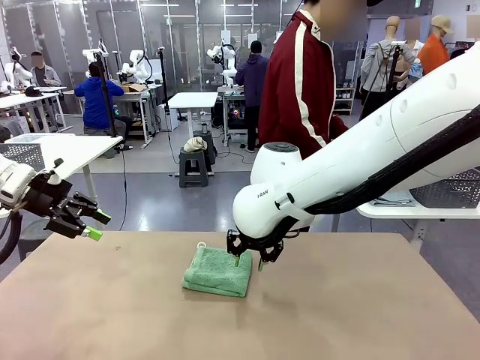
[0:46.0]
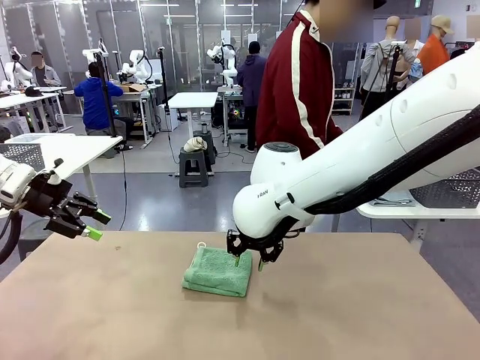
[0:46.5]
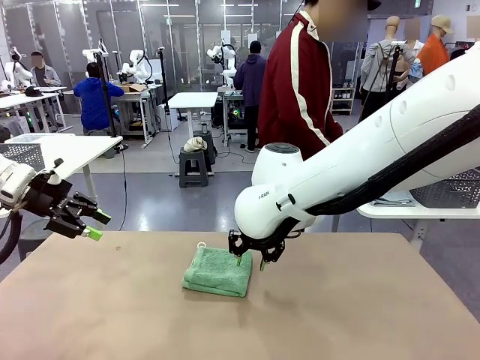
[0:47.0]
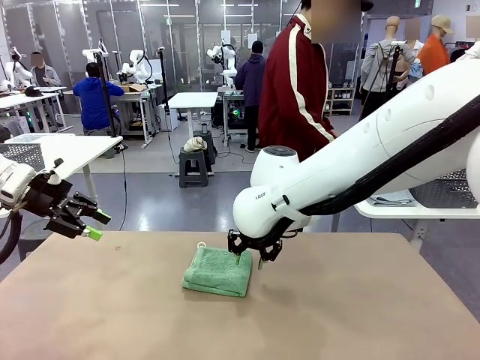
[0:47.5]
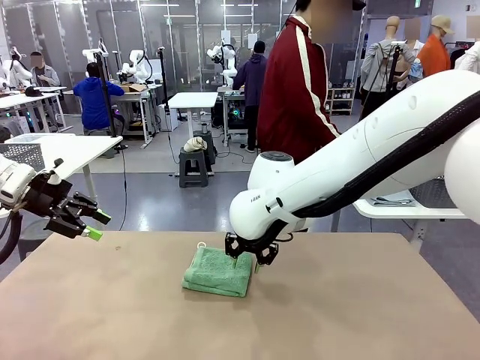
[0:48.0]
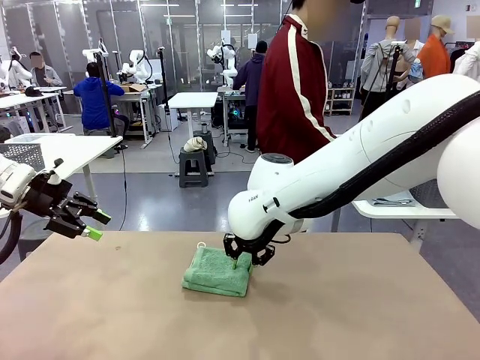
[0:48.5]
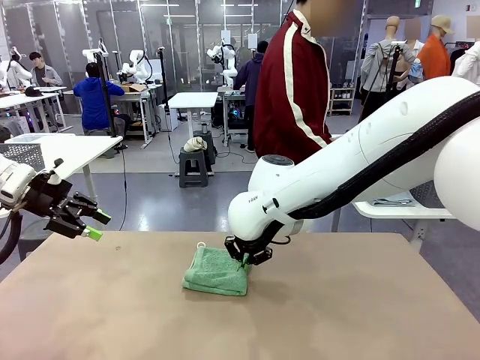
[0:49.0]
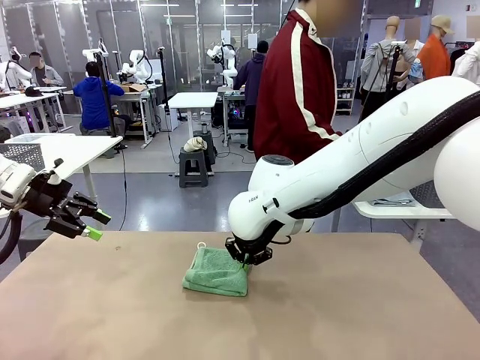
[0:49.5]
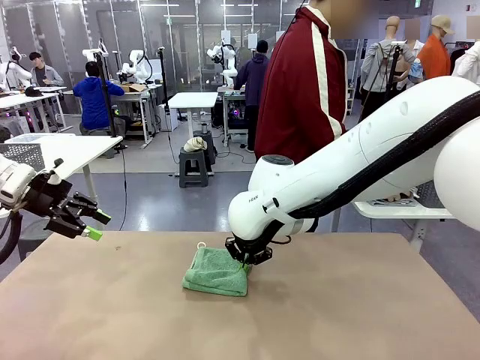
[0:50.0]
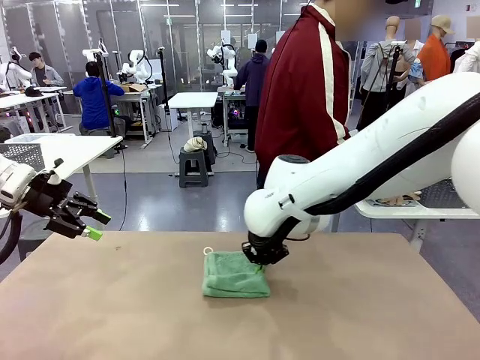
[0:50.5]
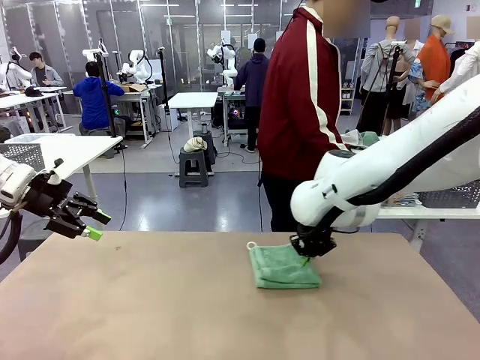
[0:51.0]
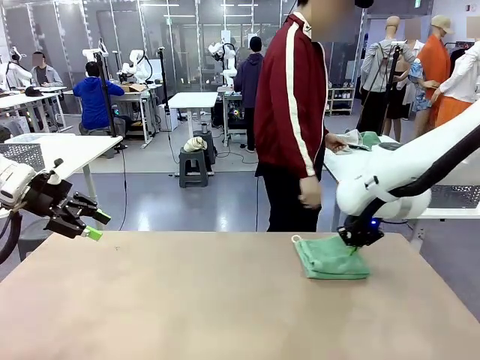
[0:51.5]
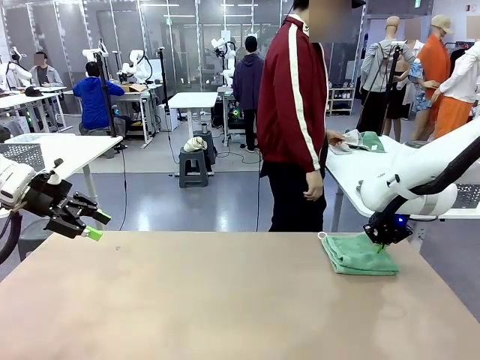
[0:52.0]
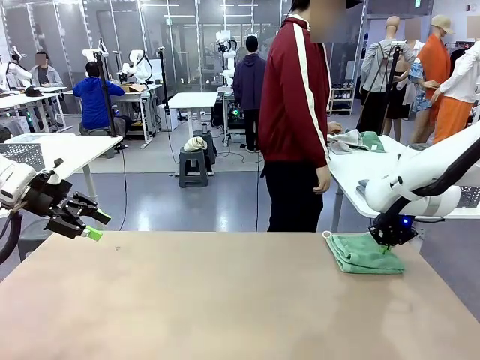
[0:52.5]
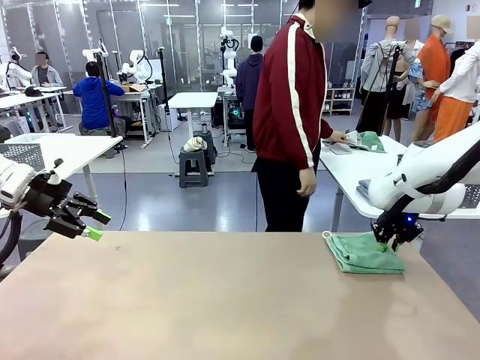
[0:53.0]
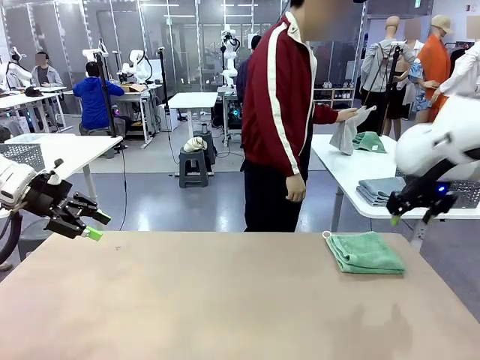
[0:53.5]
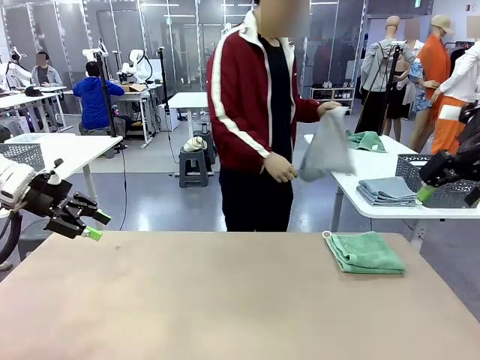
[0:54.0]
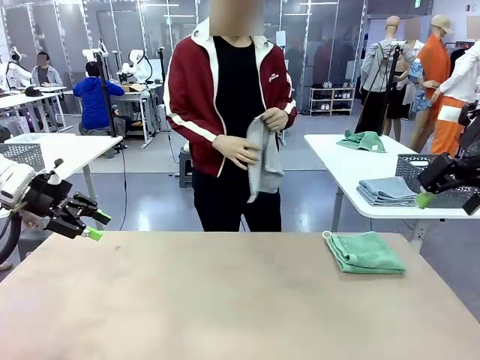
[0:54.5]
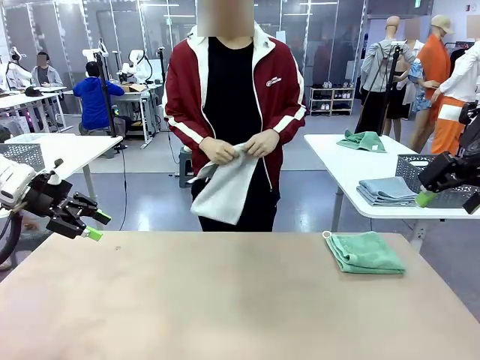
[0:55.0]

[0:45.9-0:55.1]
Task: Fold the towels and place them in the basket.
Robot: Place the folded Towel with hook on the right side of the table.

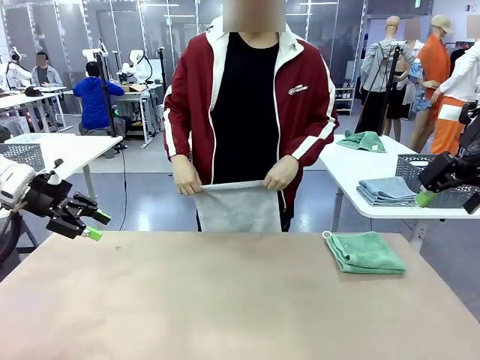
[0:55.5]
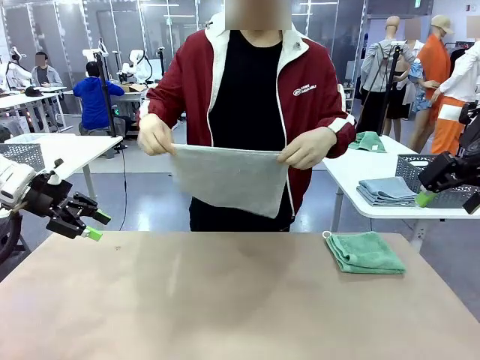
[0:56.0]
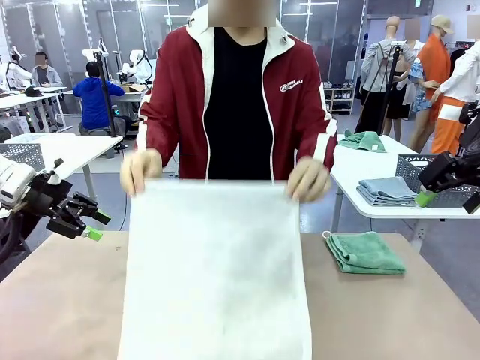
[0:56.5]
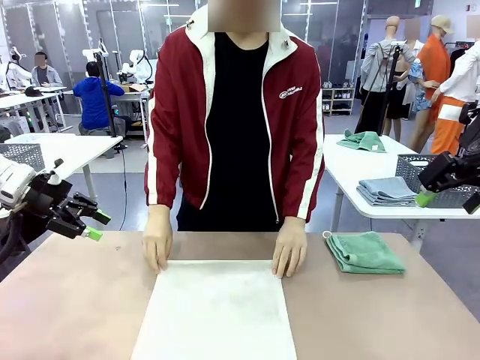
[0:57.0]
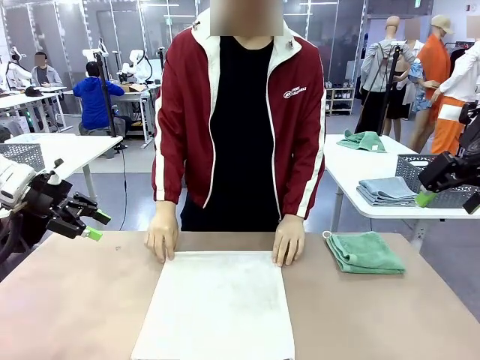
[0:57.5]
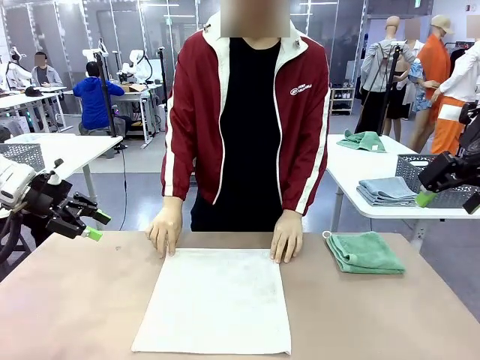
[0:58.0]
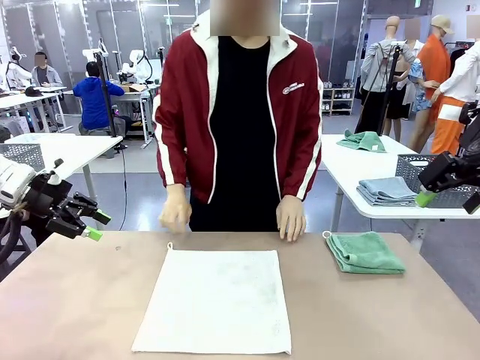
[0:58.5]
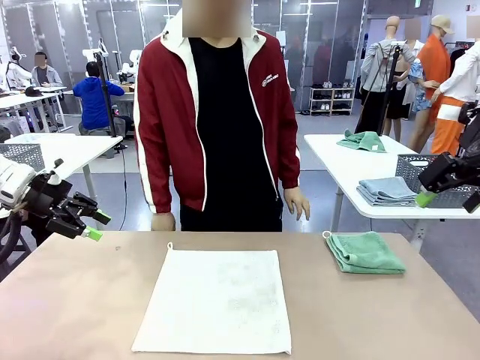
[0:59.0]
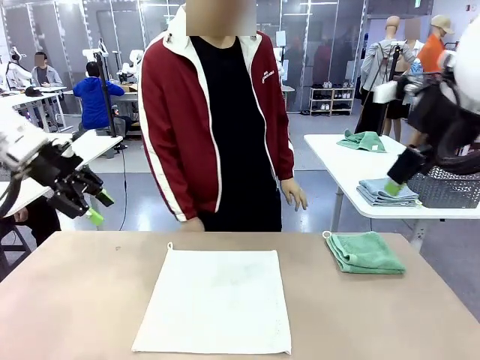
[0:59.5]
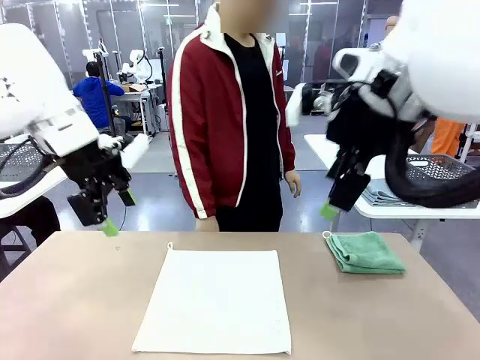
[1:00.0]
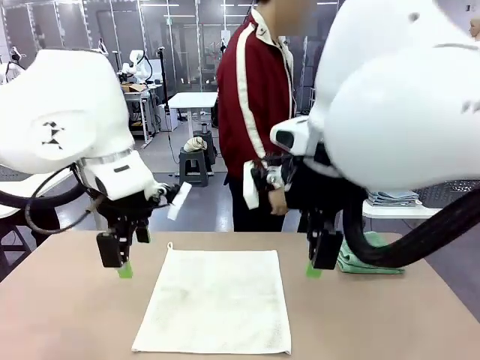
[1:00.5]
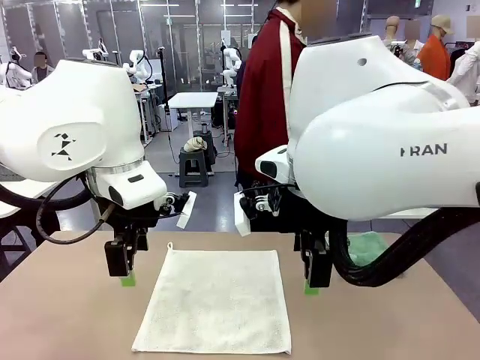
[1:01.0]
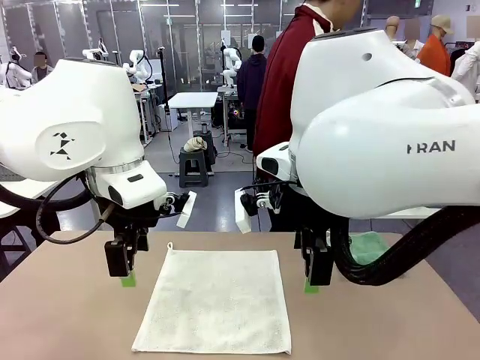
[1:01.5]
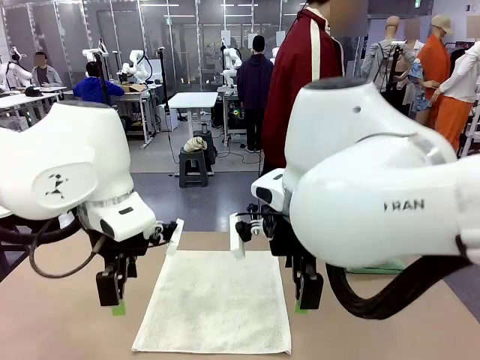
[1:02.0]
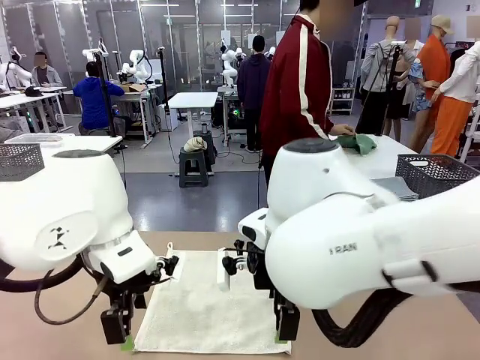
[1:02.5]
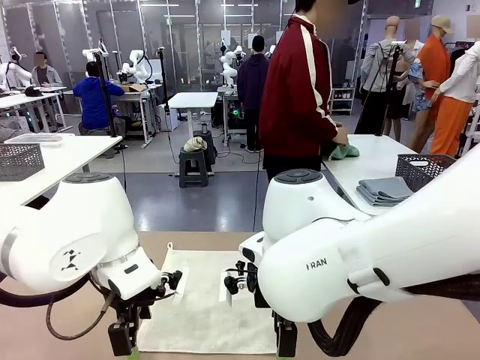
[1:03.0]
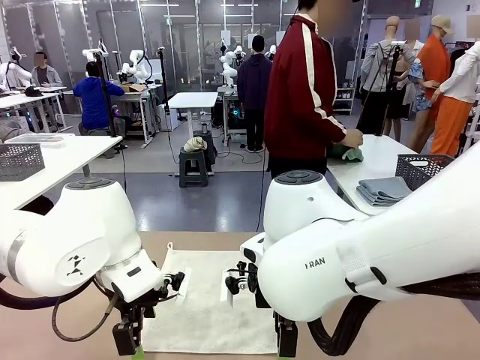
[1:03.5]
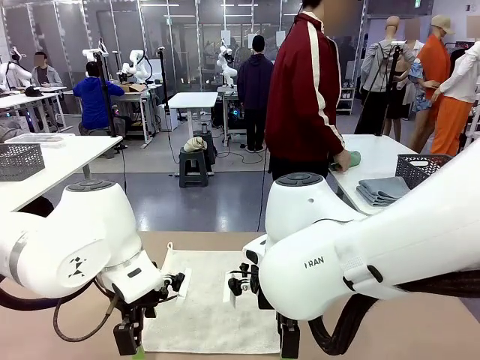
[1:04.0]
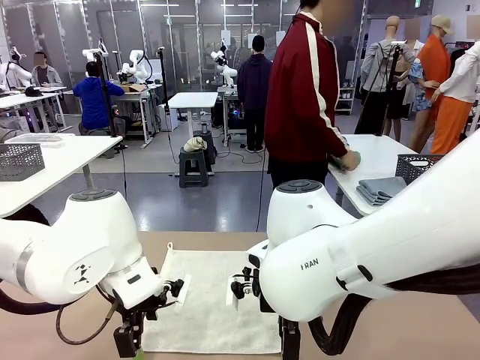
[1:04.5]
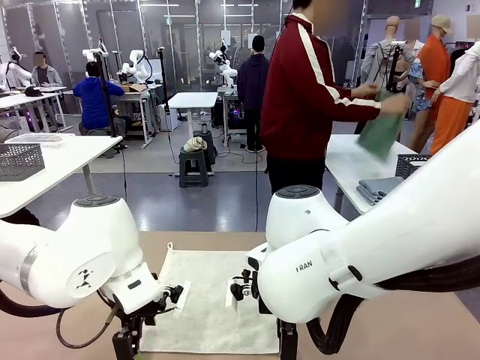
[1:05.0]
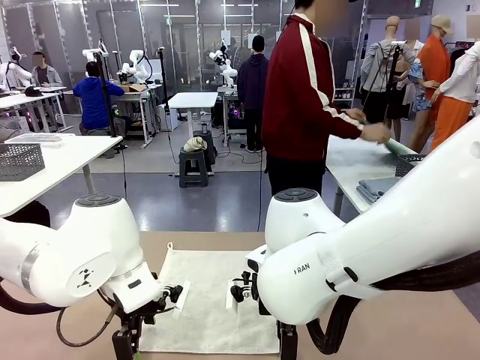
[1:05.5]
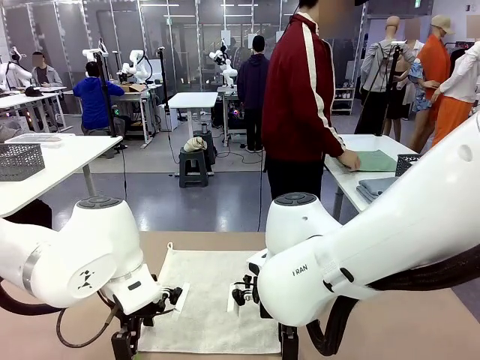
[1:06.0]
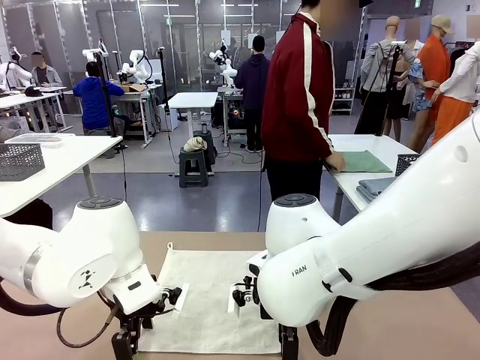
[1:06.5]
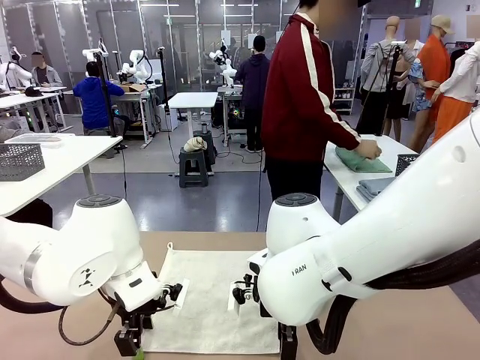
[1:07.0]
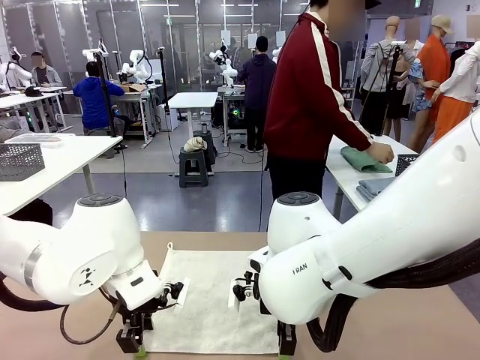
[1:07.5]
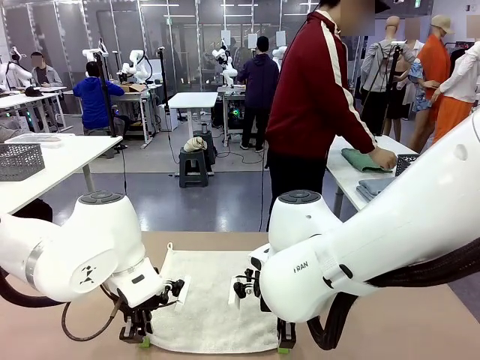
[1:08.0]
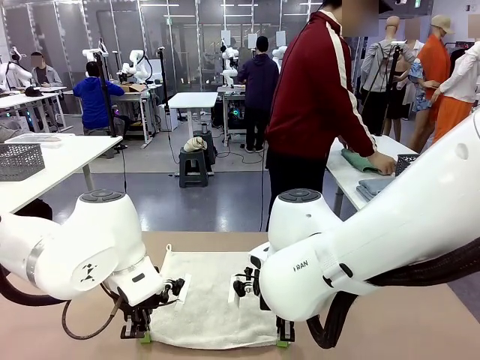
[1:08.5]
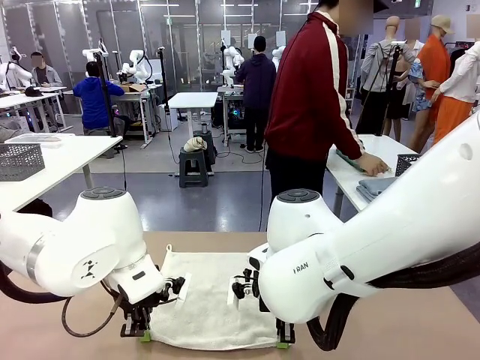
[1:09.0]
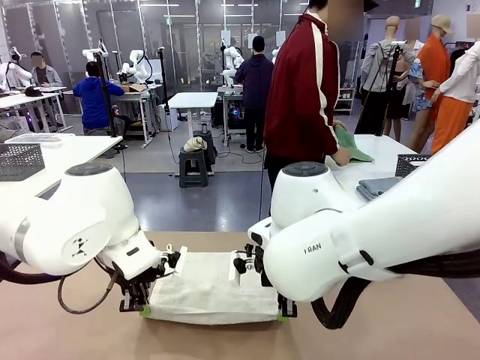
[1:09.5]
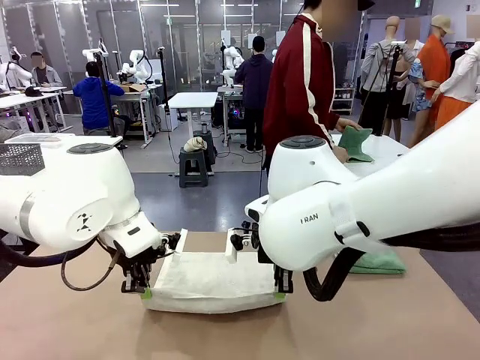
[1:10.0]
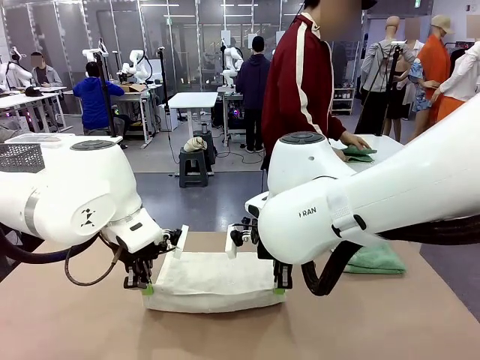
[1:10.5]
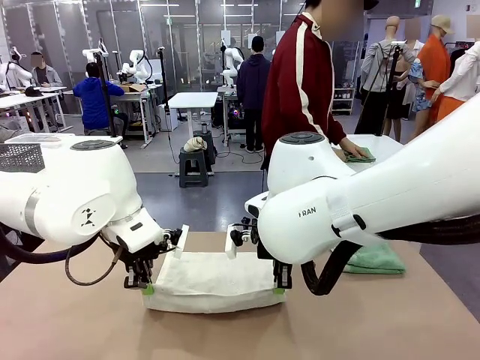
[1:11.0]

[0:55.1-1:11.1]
Robot: When a person lays out a Towel with hook on the table, fold it in half twice.
Person: Pick up one towel from the left side of the human table and spread it out at the center of the robot table. Pick up one towel from the left side of the human table, fold it in half twice, and stack it on the right side of the table.
